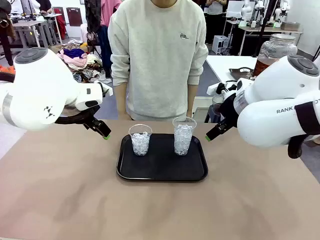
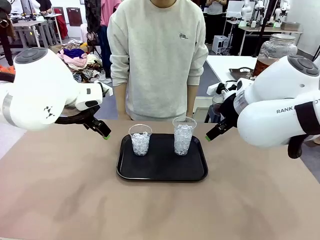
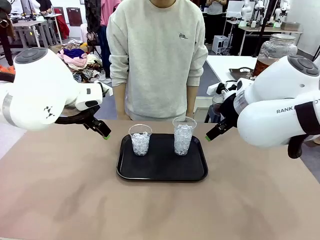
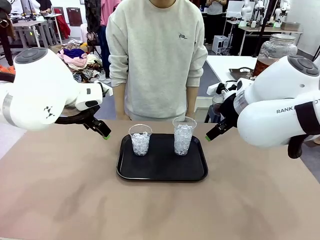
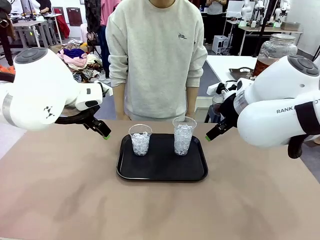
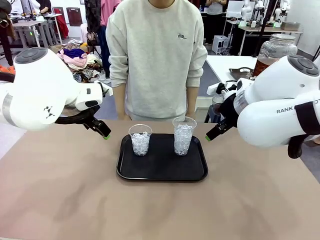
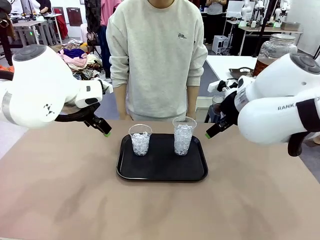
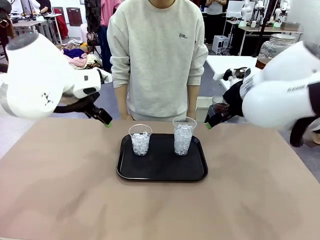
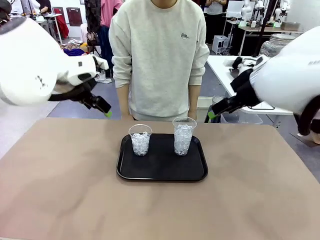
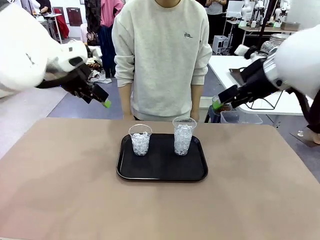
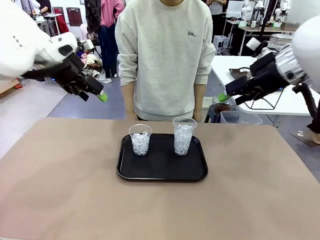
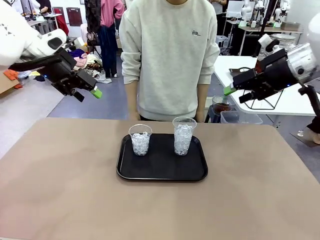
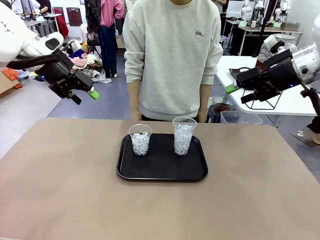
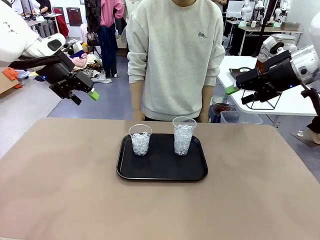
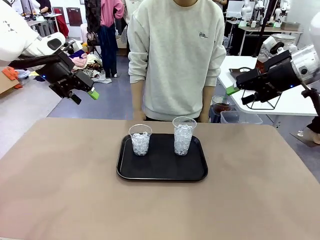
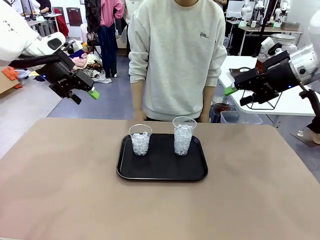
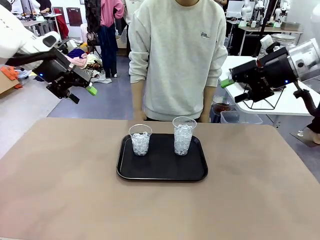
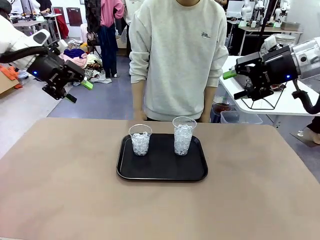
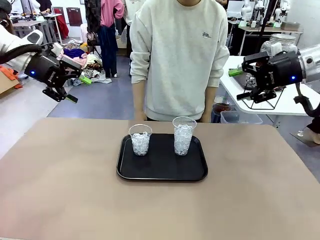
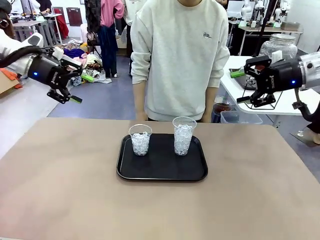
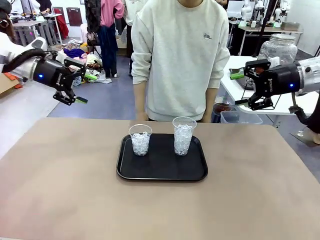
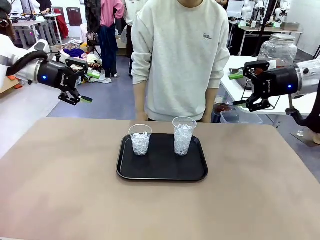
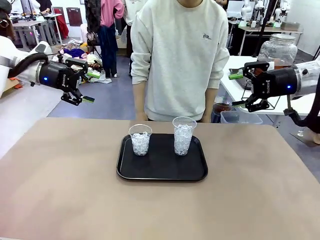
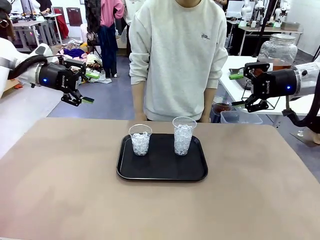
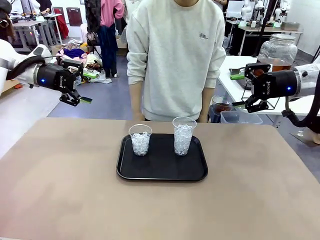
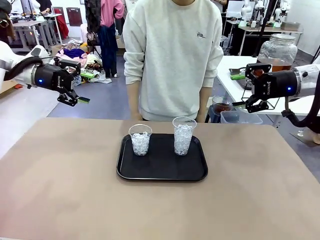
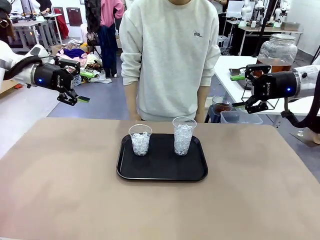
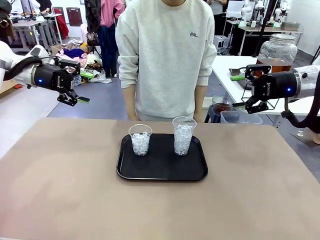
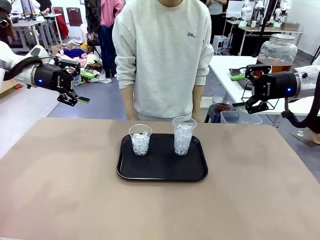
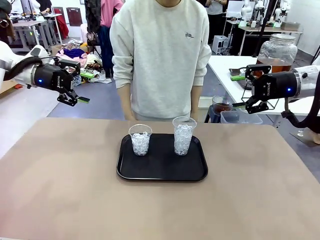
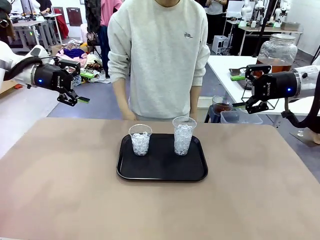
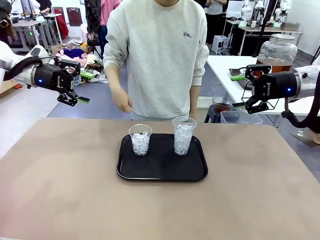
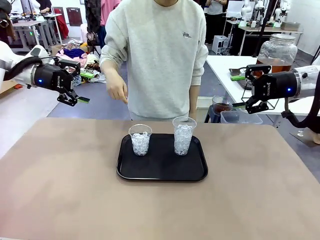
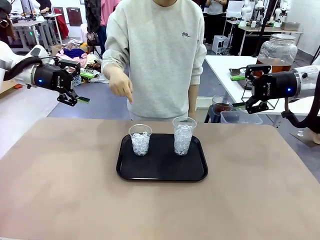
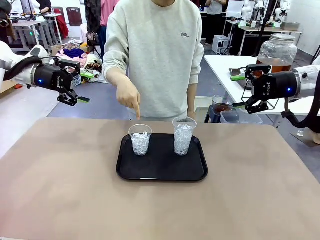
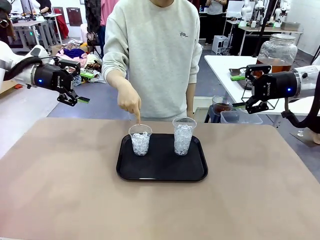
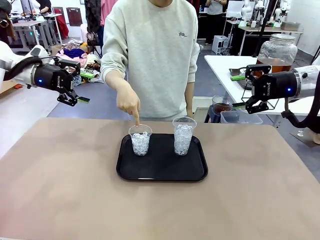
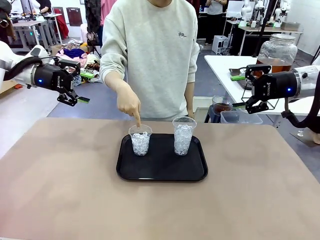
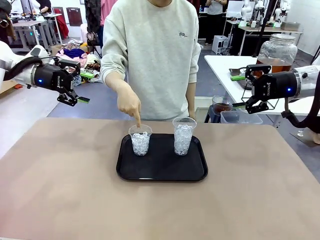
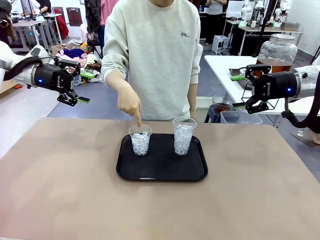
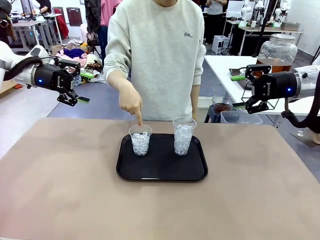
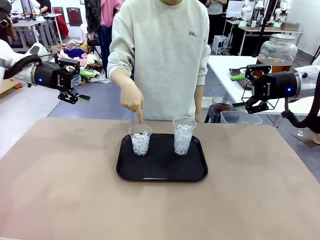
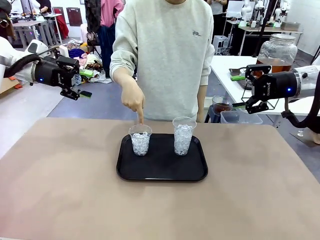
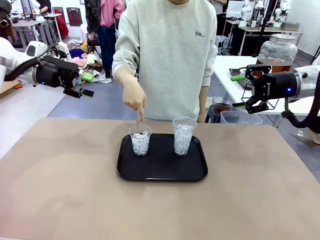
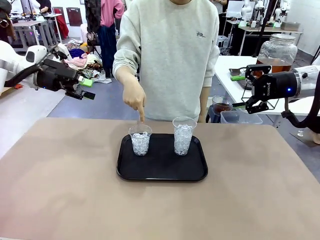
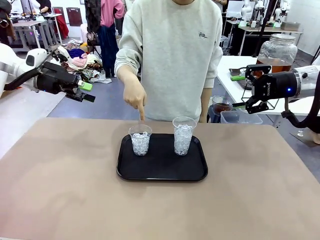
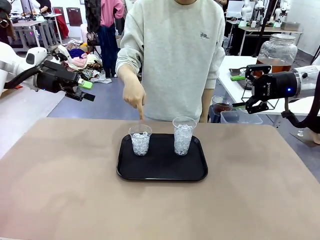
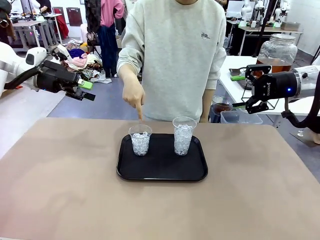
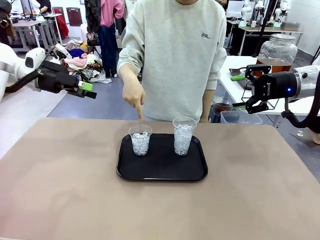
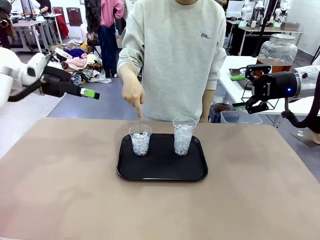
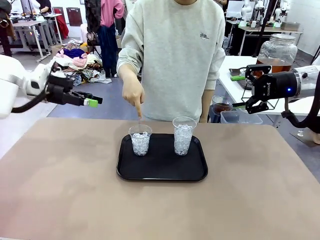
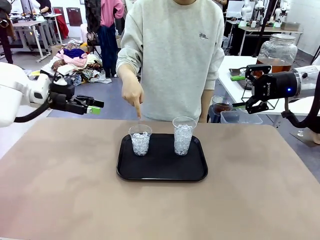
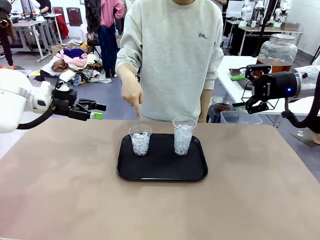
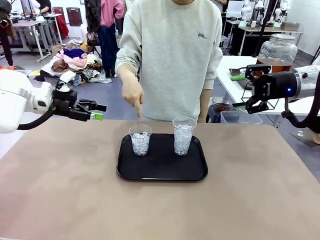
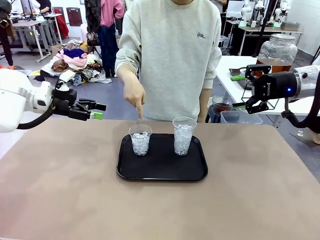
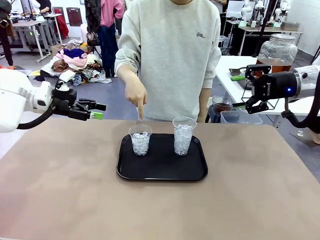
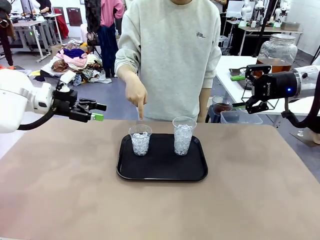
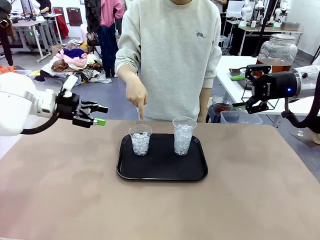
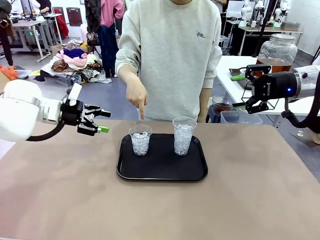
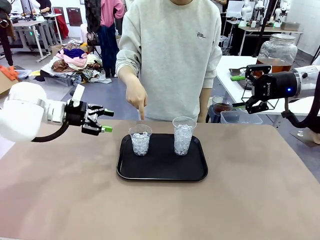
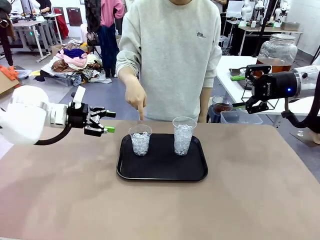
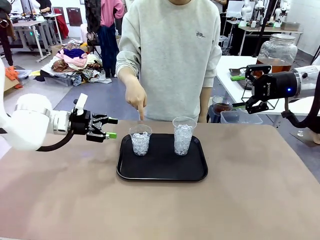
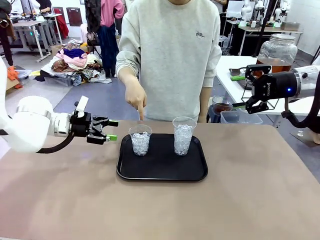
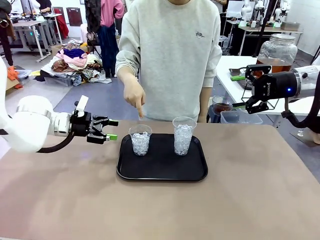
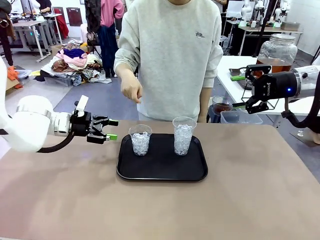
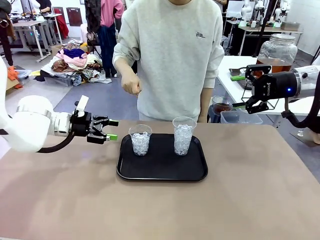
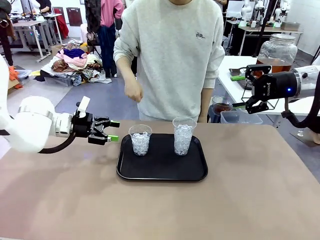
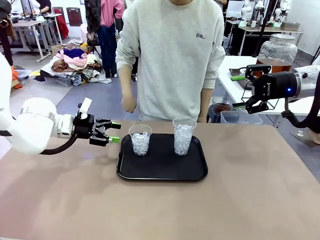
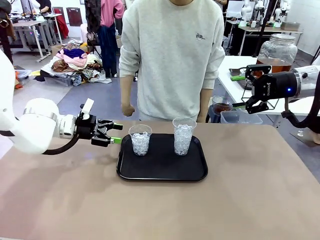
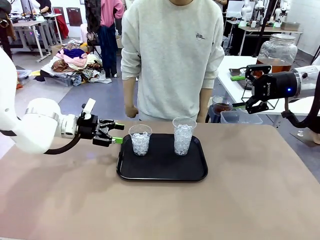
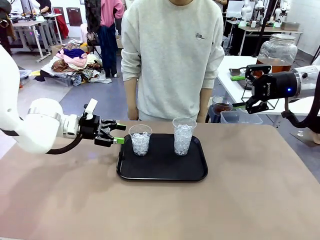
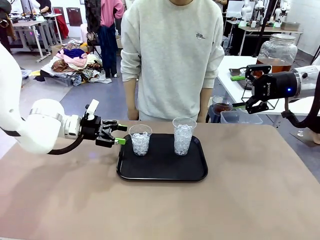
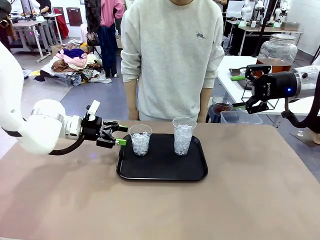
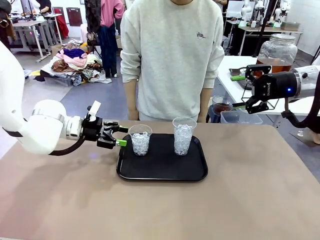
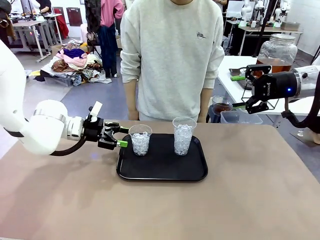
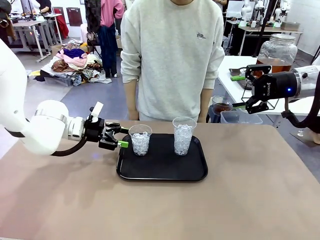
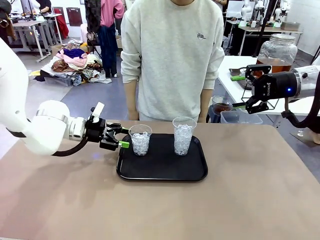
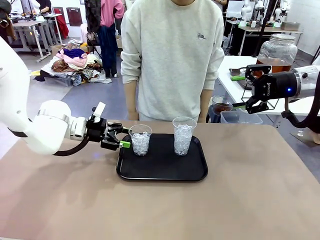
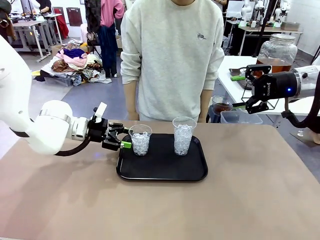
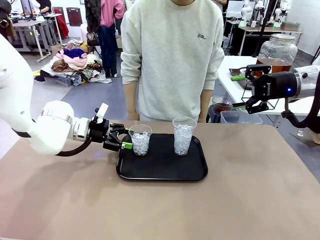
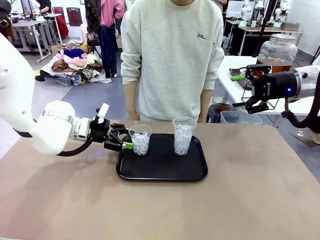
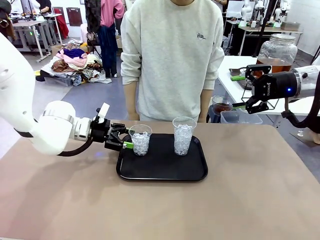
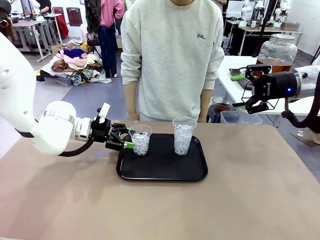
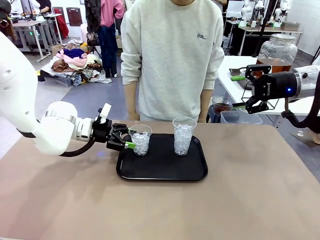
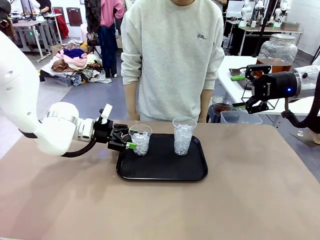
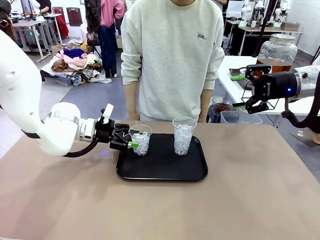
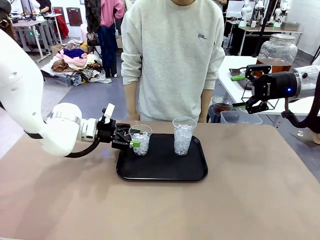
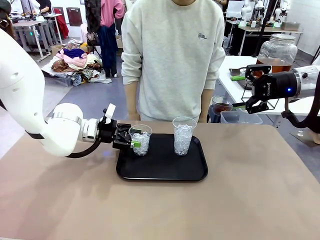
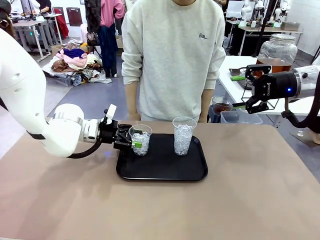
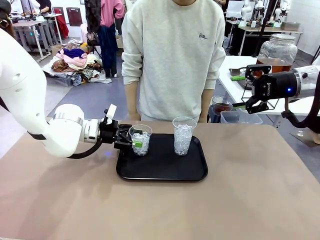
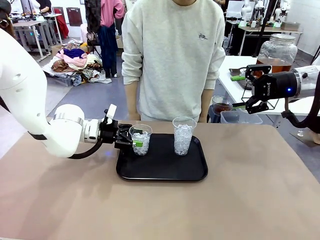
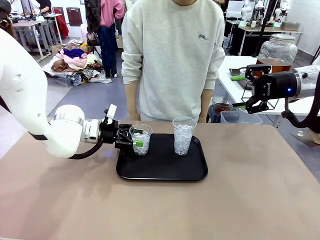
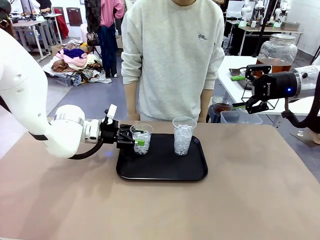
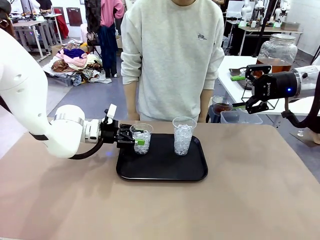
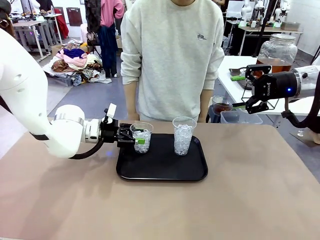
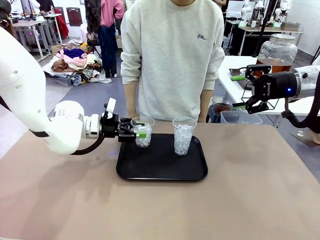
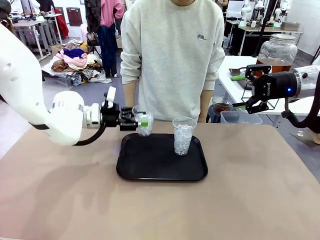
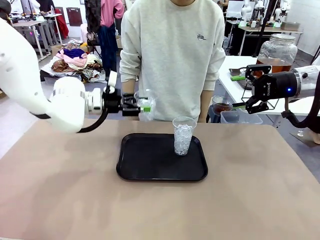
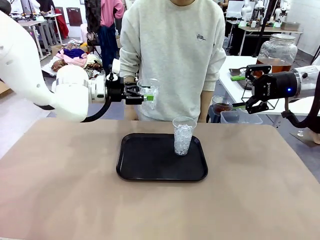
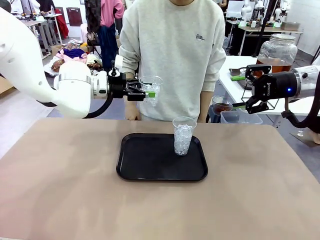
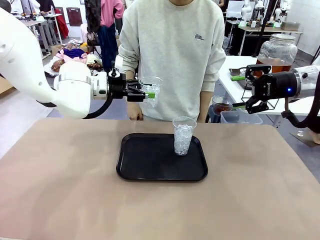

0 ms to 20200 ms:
Task: Pour the drink into the iced cup.
Robot: Pick up the iced cup indicated by the human and present it to them.
Person: Point to one of the two ice cups. Pick up the cup offered by the robot.

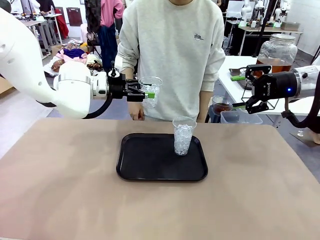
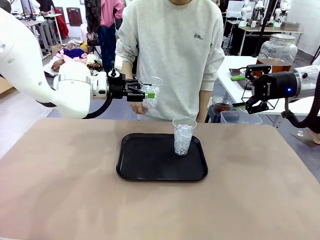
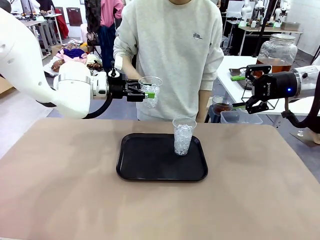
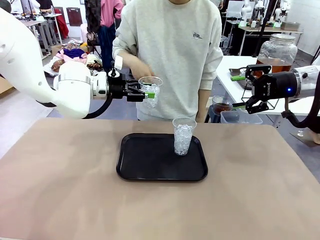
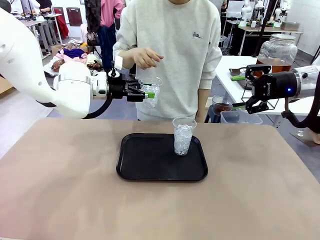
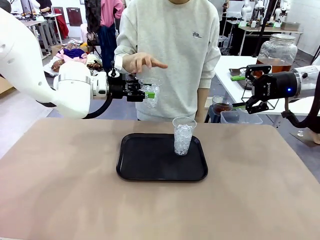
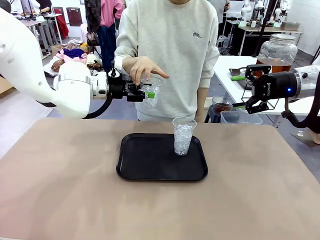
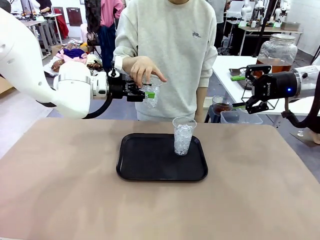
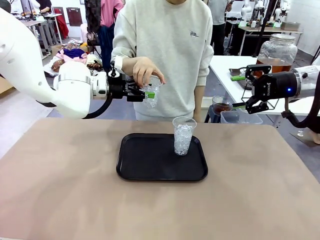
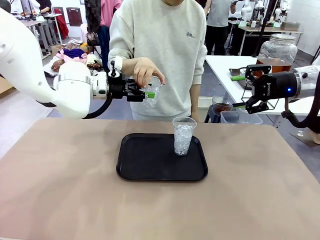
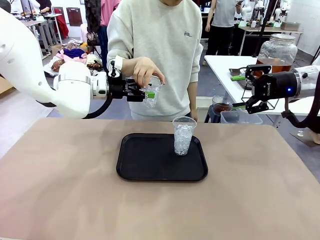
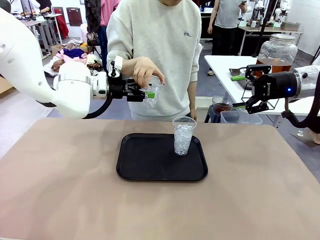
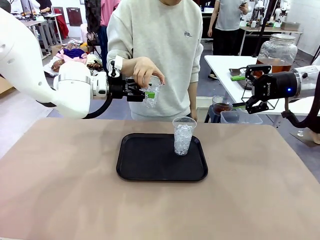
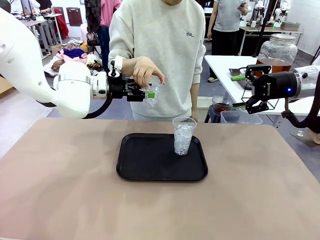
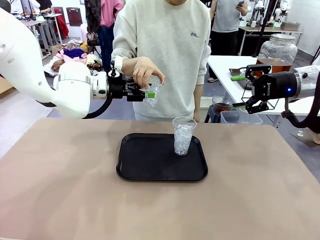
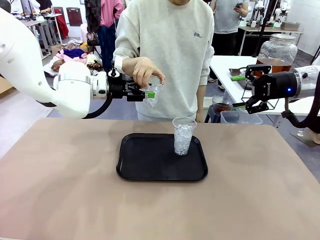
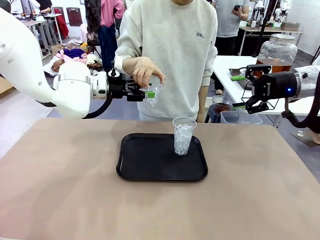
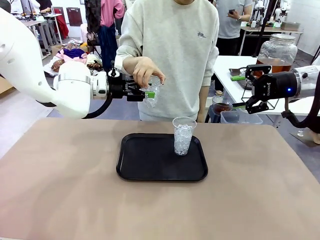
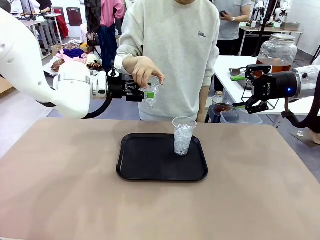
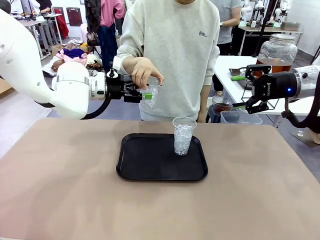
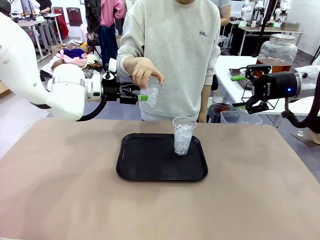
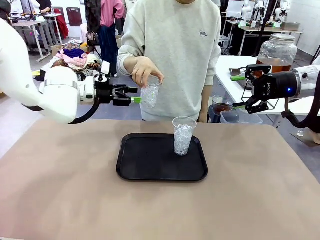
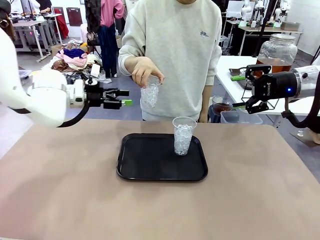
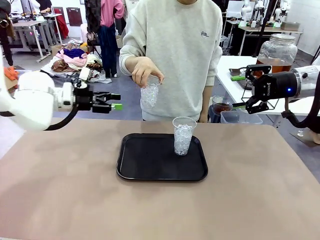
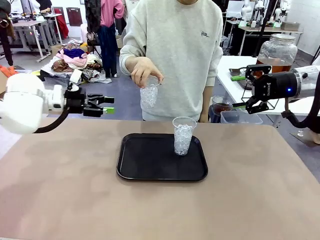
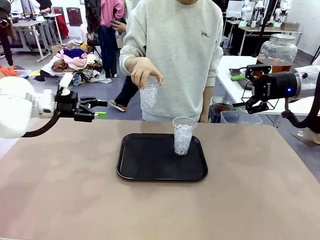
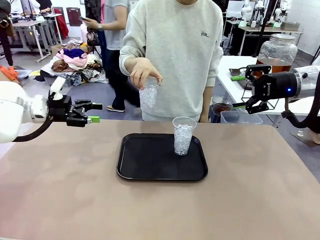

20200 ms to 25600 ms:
Robot: Open the gripper to release the iced cup you were holding.
